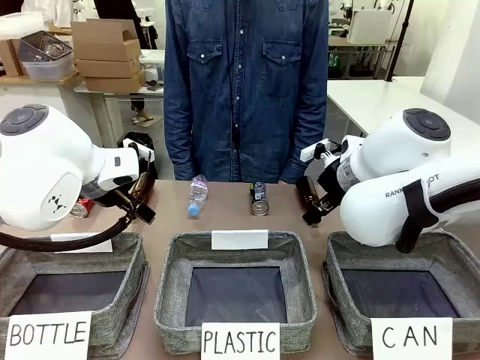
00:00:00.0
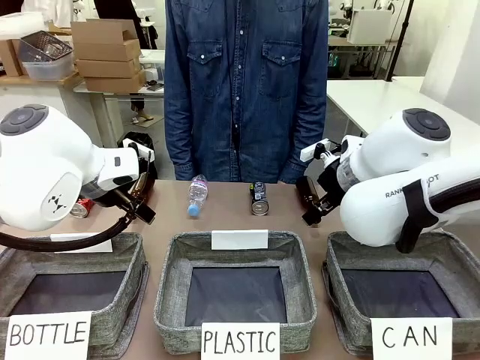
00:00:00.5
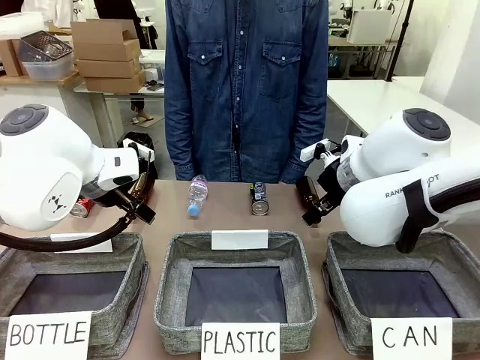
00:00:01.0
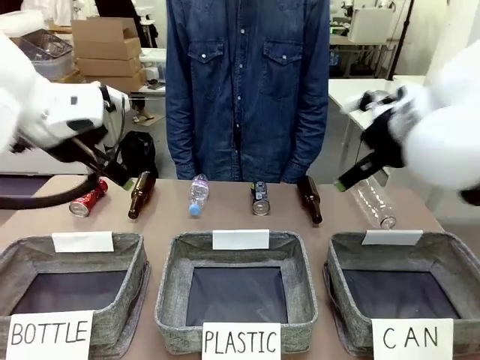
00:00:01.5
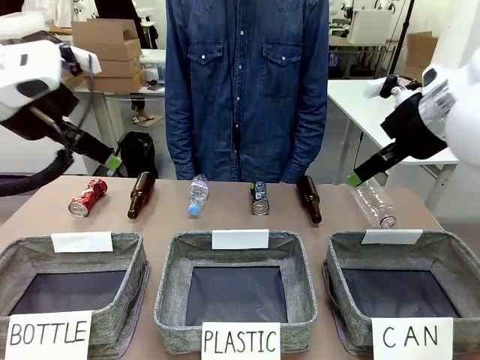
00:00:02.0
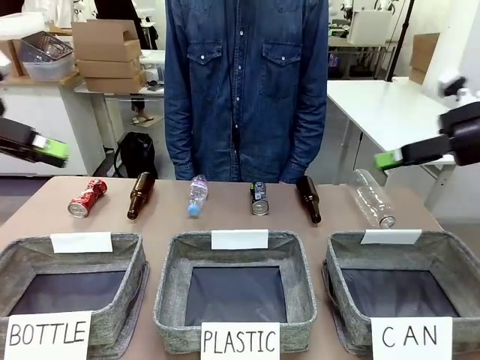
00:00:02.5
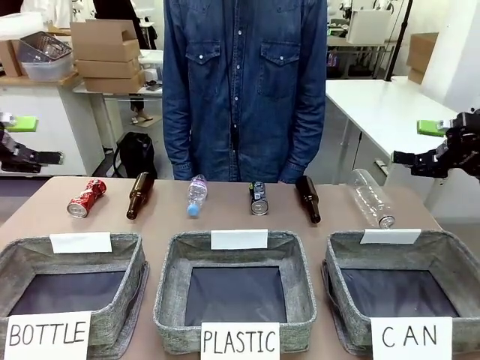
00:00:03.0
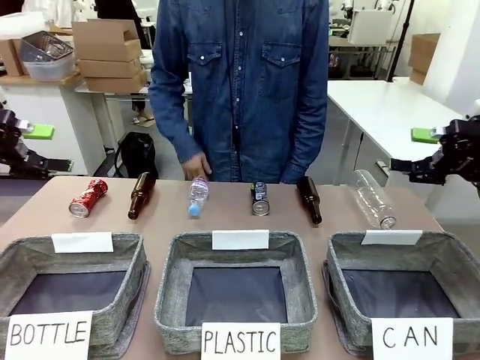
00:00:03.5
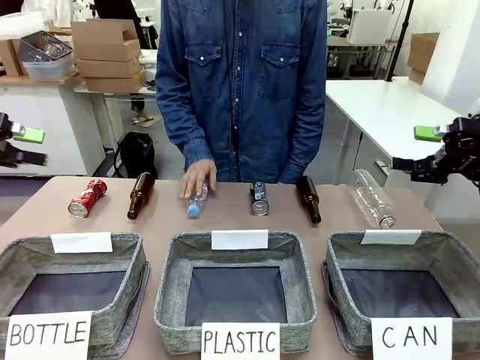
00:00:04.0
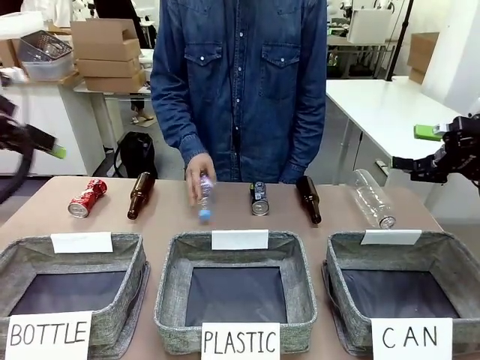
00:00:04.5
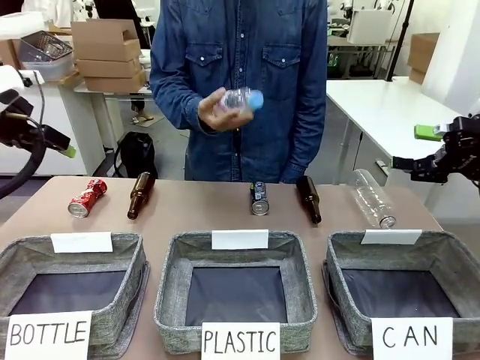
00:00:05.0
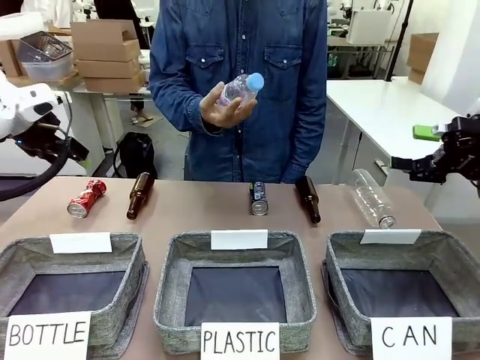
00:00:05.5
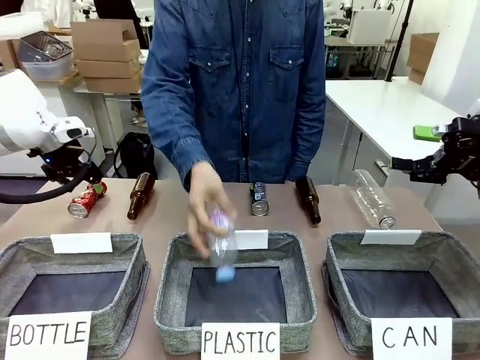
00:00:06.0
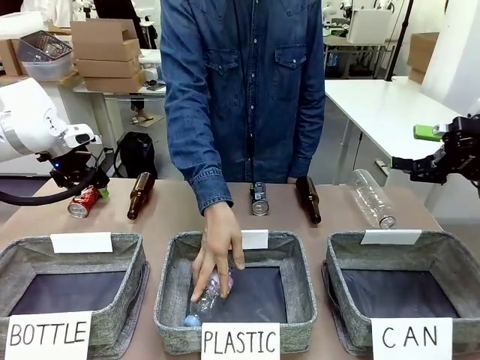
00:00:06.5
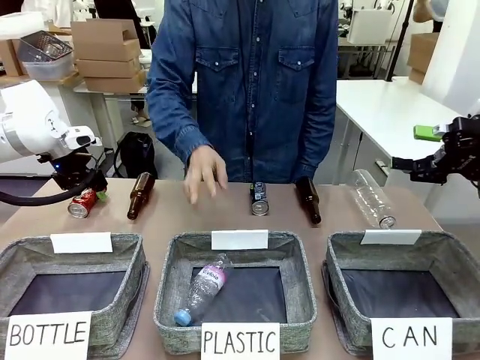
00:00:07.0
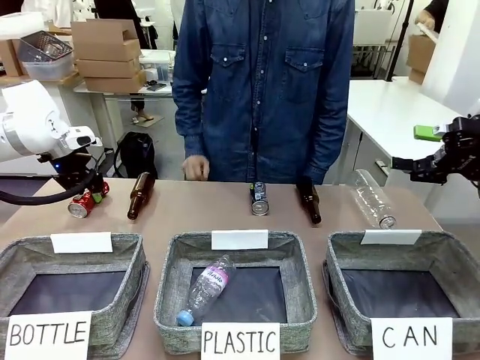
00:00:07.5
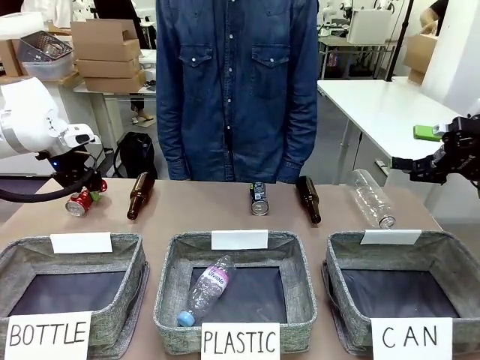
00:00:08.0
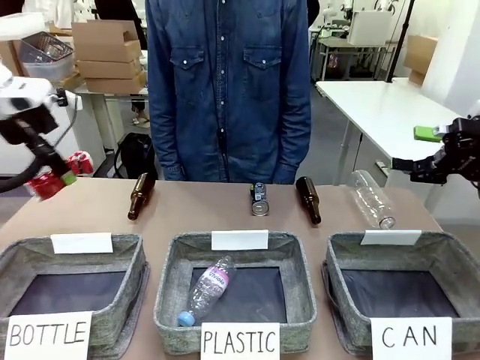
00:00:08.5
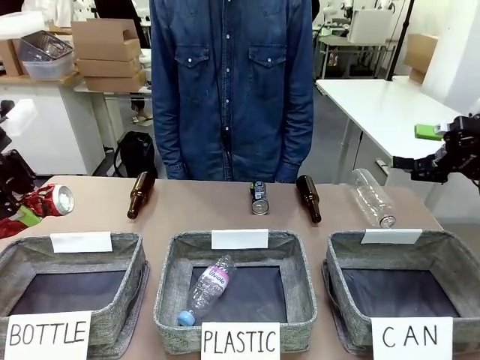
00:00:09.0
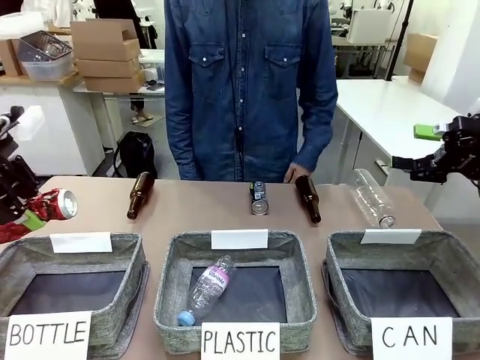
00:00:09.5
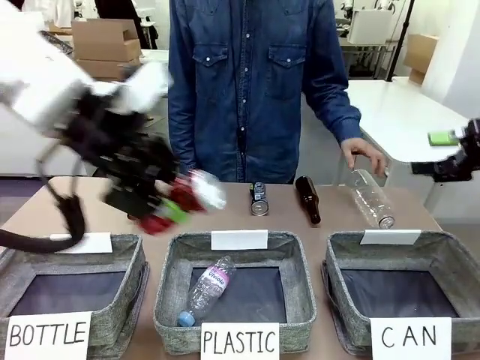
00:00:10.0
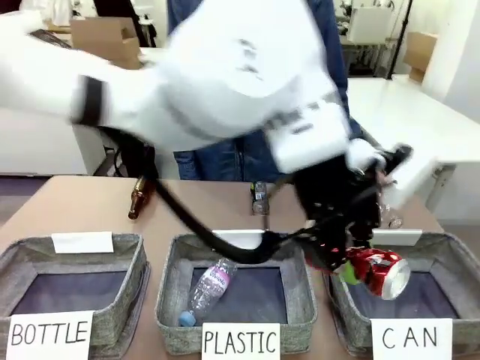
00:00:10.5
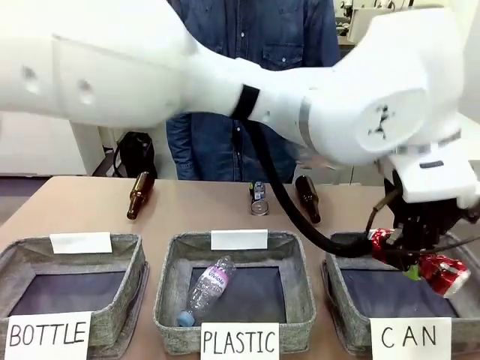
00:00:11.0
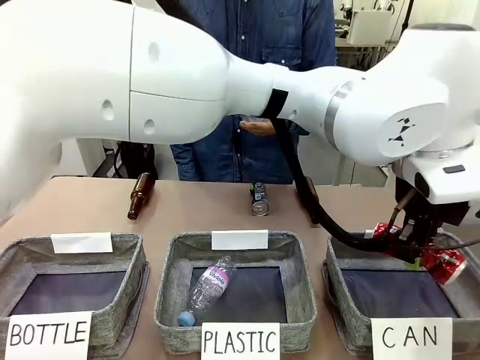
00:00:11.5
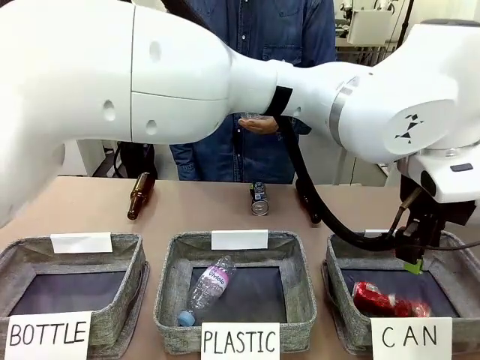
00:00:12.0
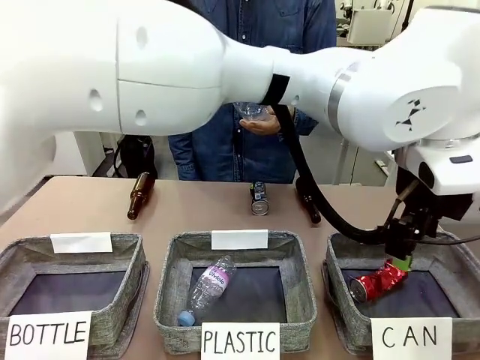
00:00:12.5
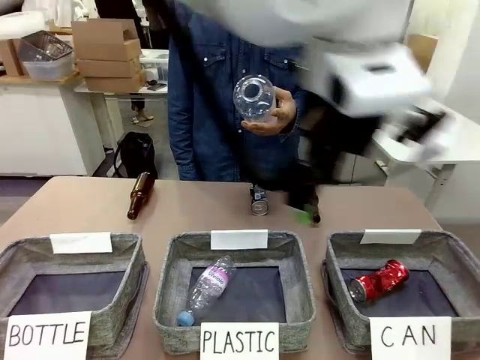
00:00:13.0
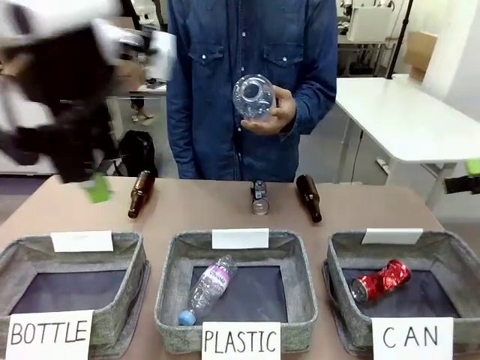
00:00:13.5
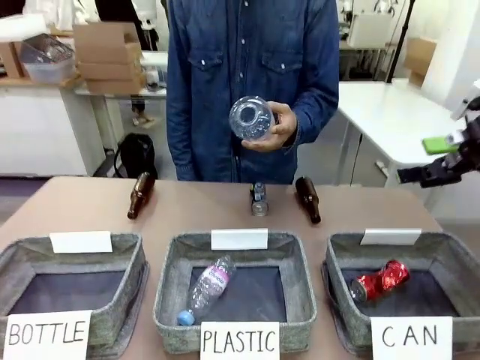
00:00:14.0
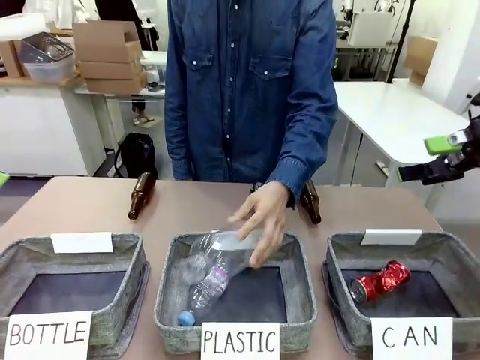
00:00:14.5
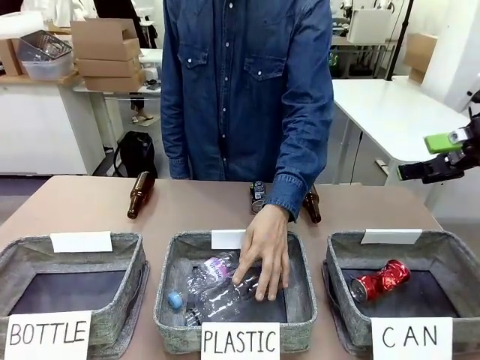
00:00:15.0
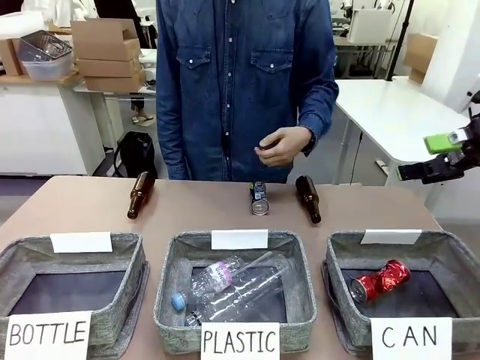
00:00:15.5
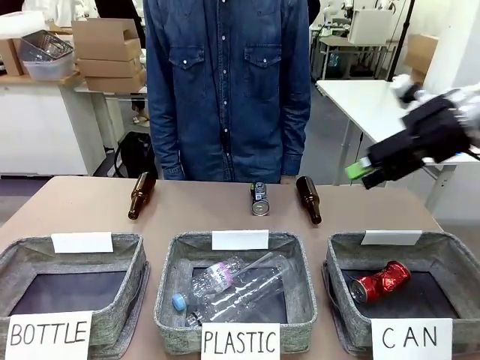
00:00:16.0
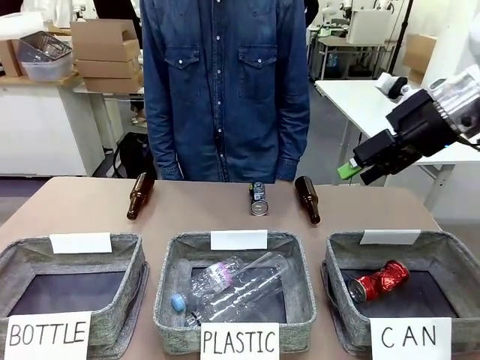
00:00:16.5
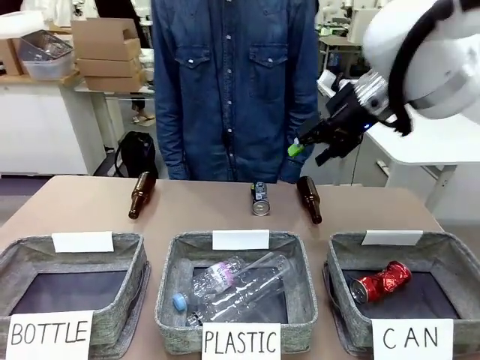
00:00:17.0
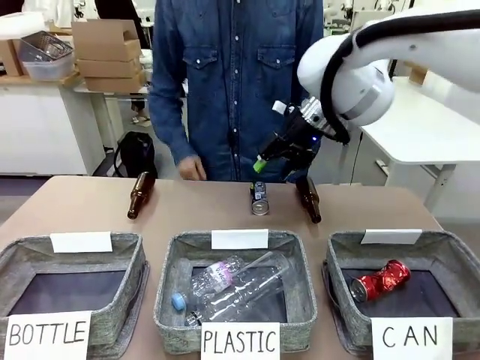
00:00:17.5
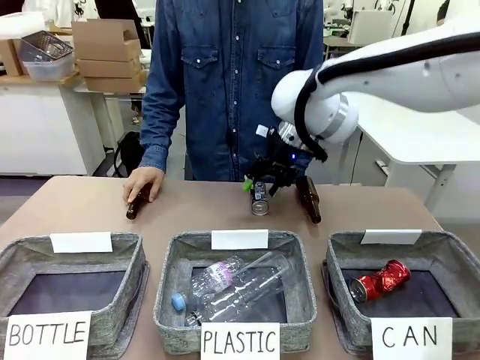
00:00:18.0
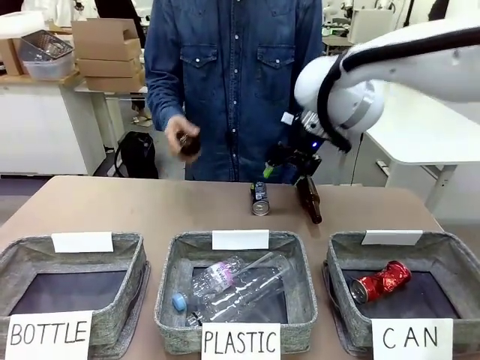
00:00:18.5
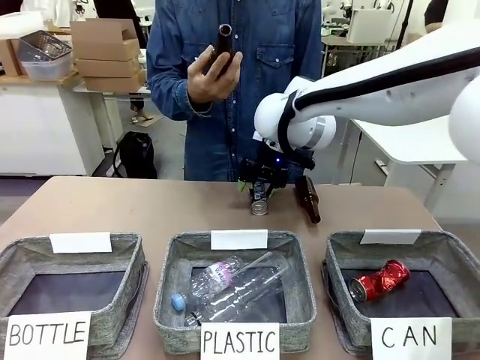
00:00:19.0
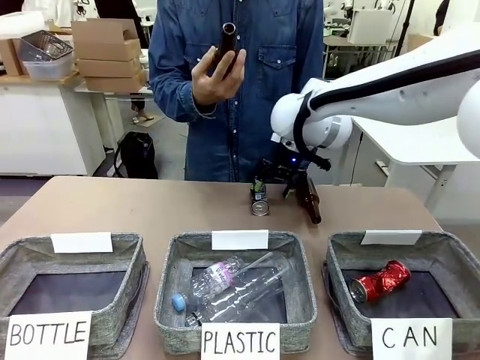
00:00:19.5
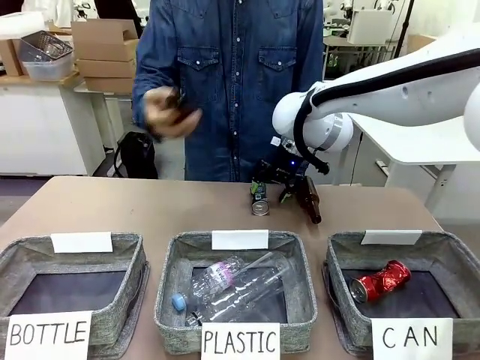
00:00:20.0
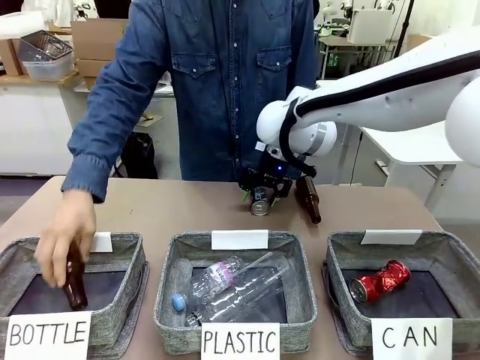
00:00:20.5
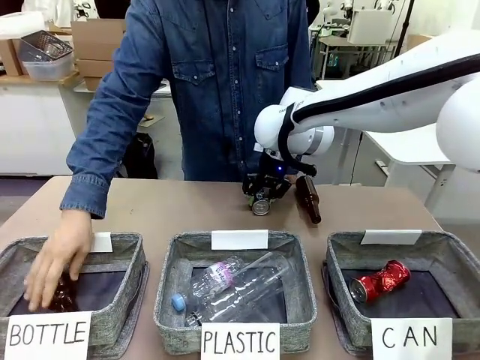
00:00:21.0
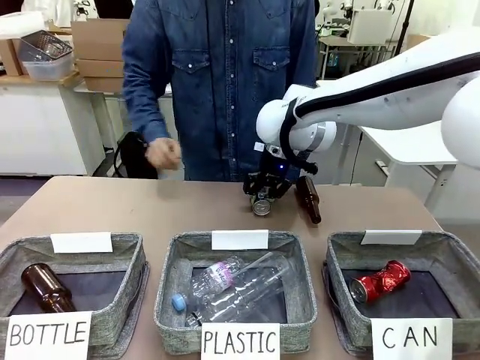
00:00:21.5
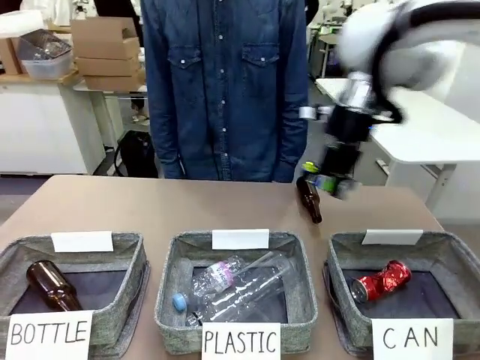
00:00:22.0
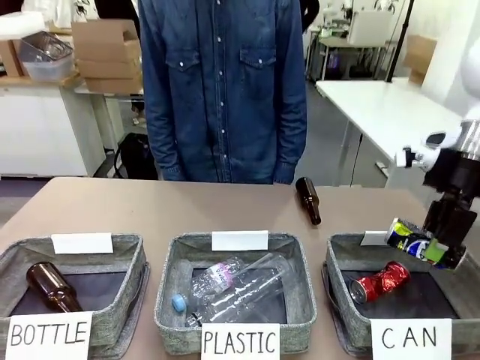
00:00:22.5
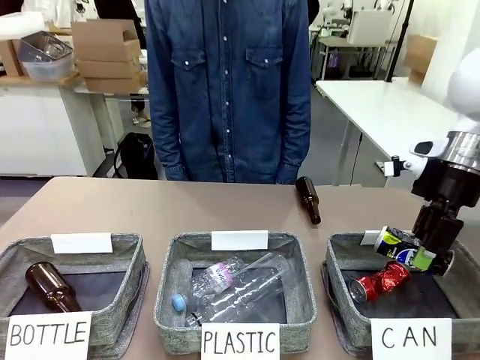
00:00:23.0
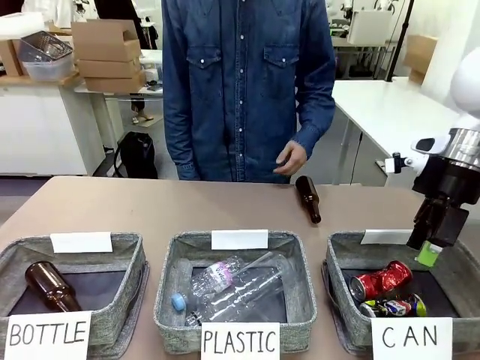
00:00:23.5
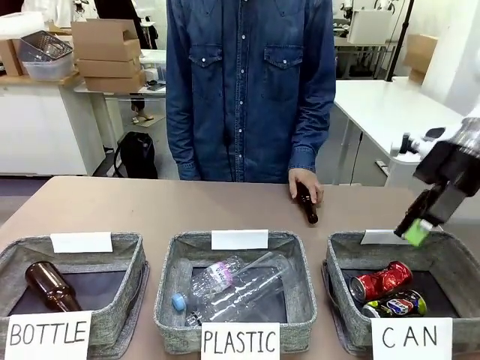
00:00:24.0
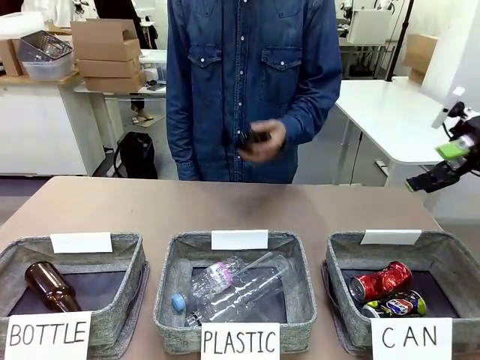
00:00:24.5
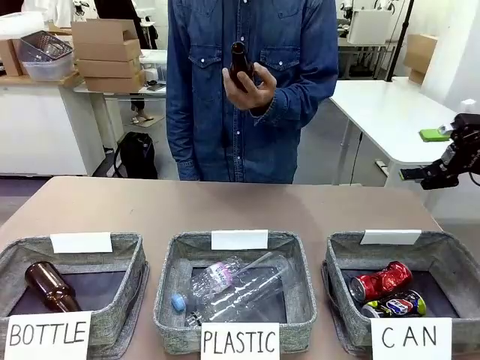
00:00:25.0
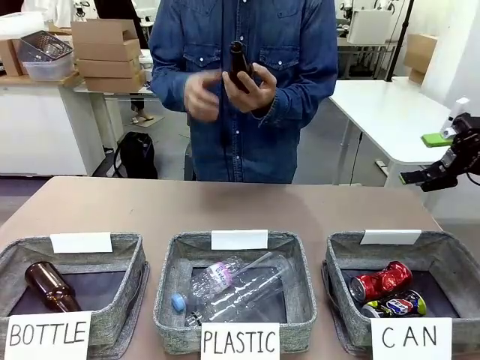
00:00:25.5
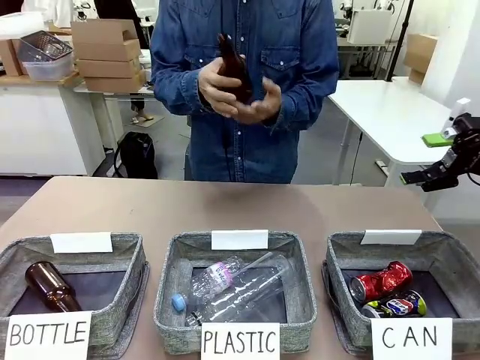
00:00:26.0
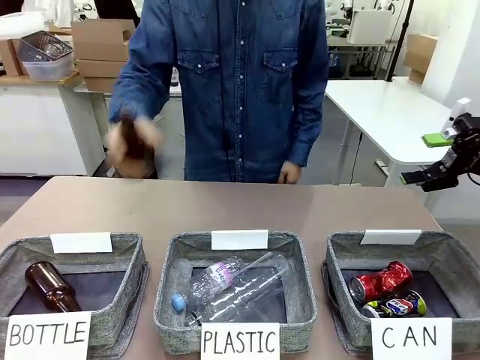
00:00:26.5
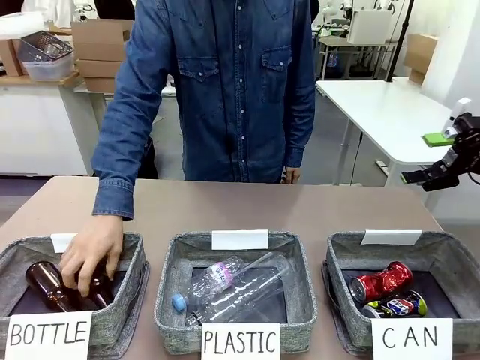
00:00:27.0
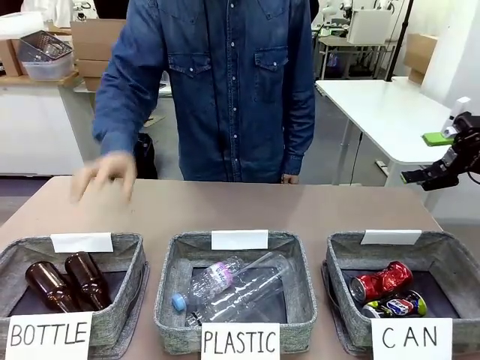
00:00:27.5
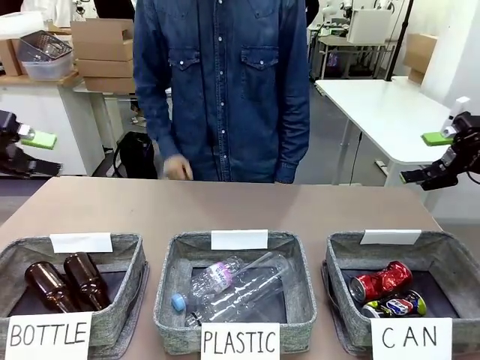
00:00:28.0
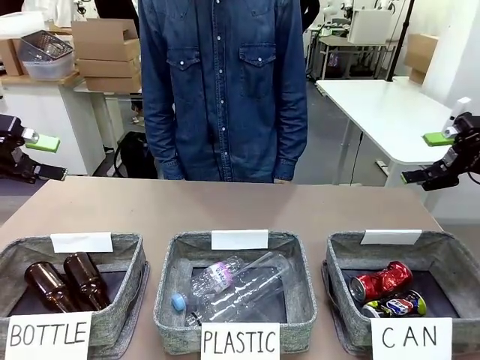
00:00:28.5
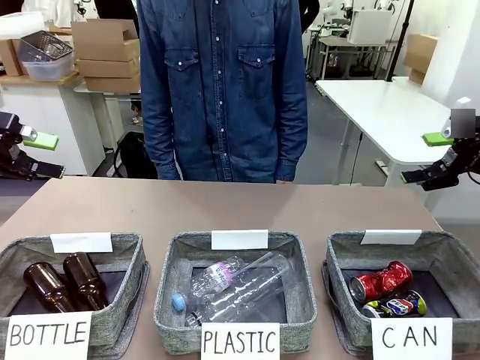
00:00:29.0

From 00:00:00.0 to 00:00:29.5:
Task: Sort the can waste into the basket.
Robot: Pick up the can waste from the table and place it in the right Fabric basket.
Person: The human picks up one piece of trash that is not a can and places the trash into the appropriate organizing basket.
